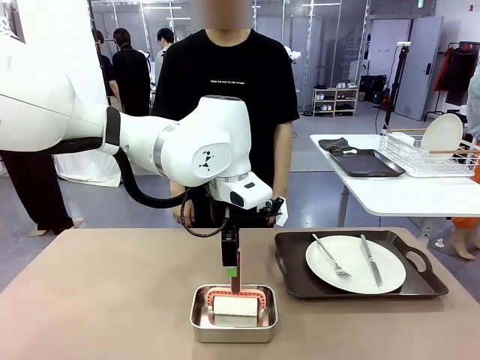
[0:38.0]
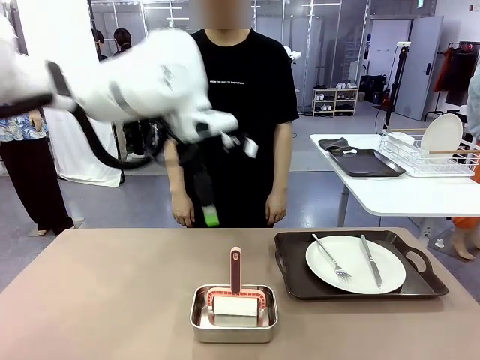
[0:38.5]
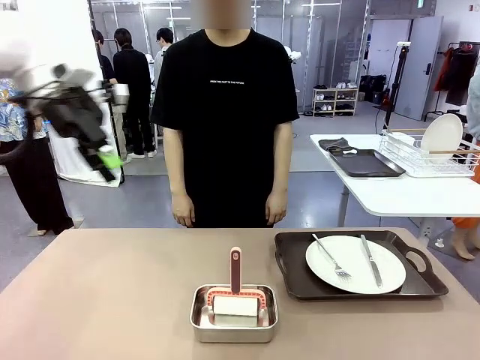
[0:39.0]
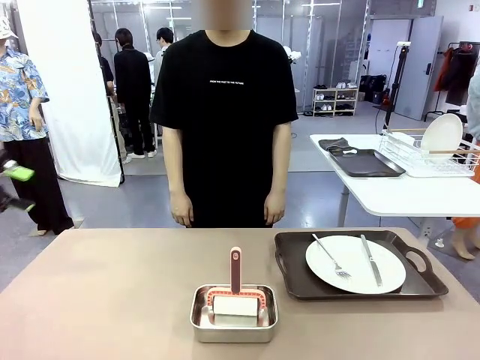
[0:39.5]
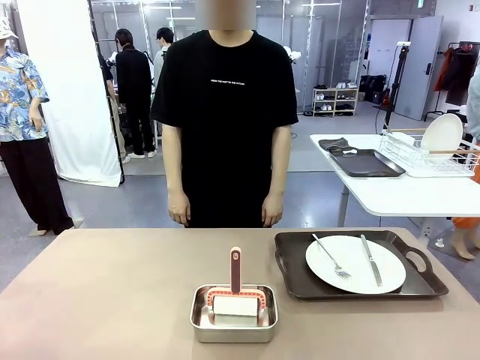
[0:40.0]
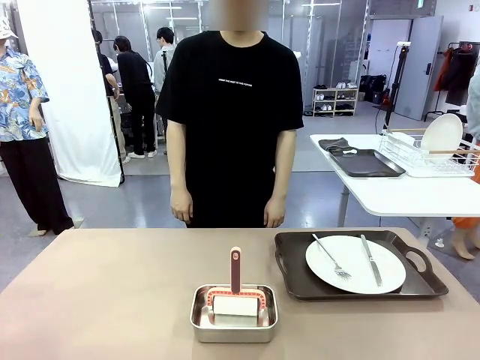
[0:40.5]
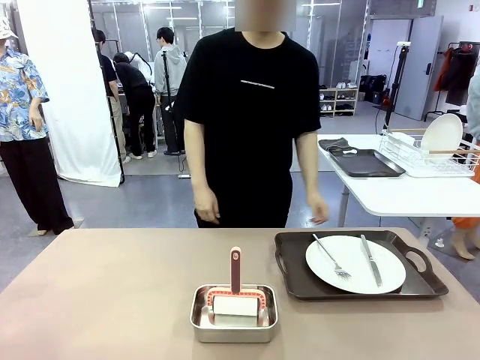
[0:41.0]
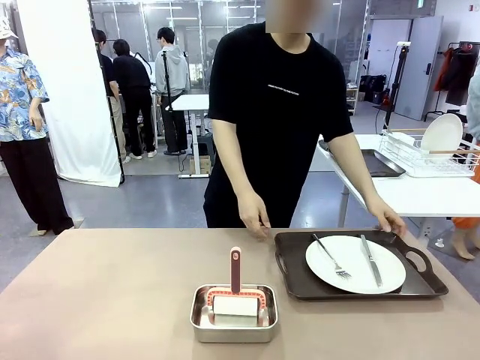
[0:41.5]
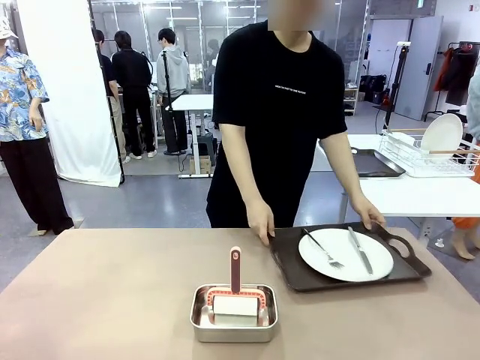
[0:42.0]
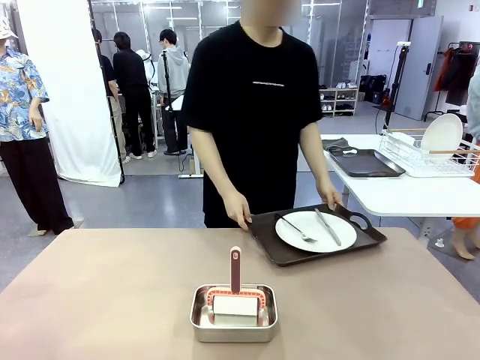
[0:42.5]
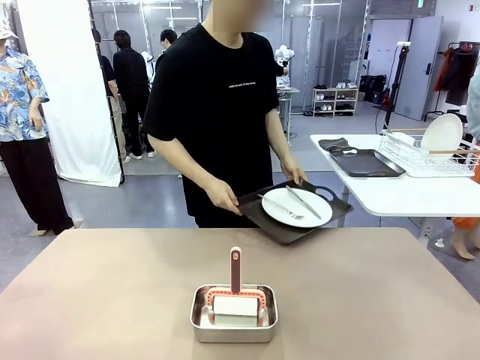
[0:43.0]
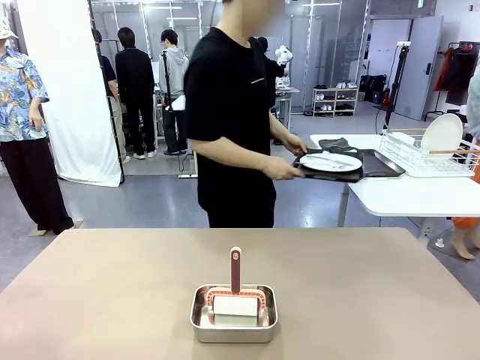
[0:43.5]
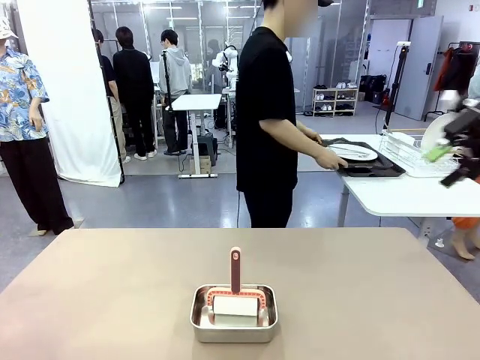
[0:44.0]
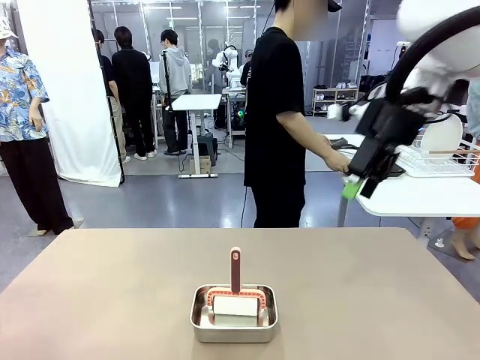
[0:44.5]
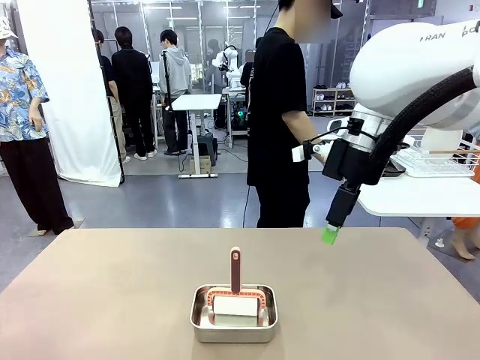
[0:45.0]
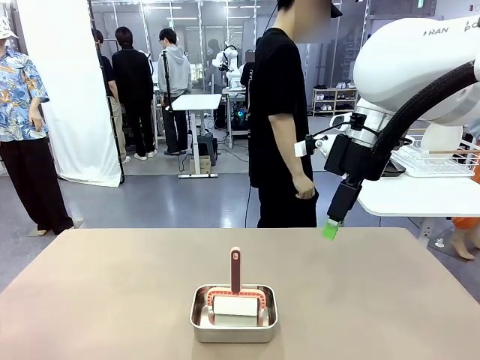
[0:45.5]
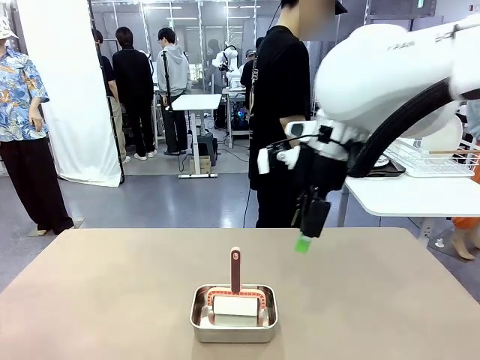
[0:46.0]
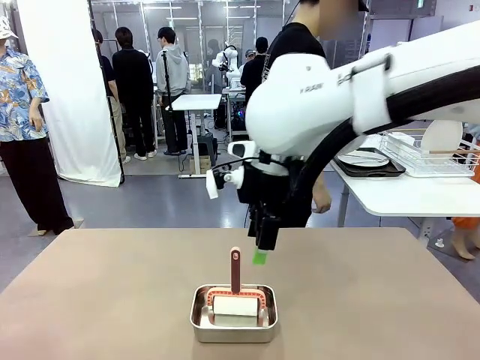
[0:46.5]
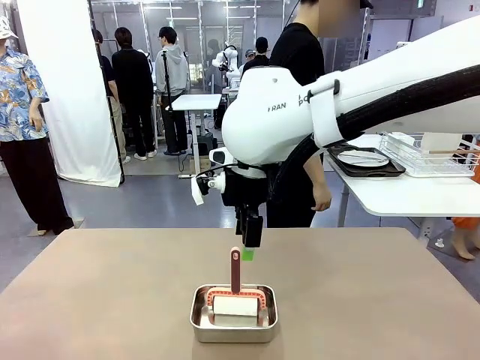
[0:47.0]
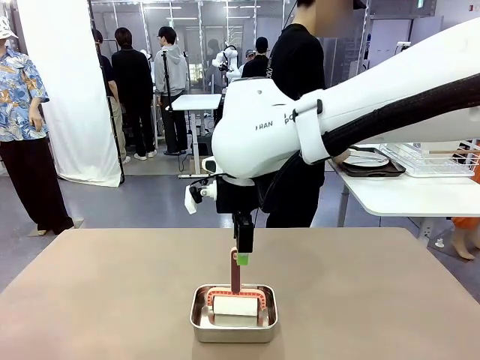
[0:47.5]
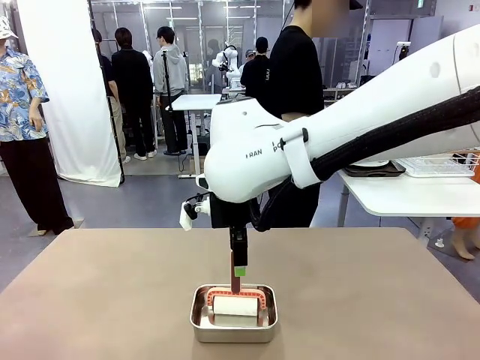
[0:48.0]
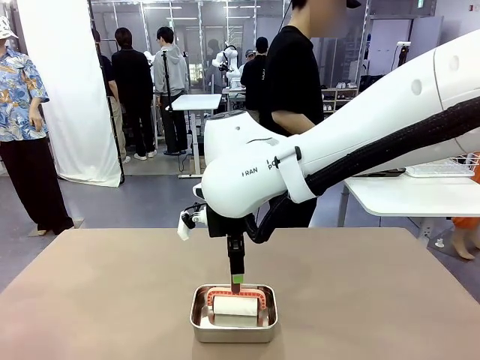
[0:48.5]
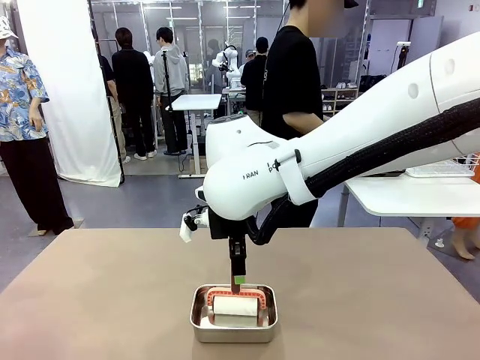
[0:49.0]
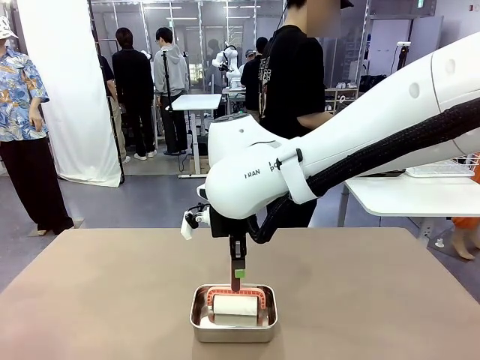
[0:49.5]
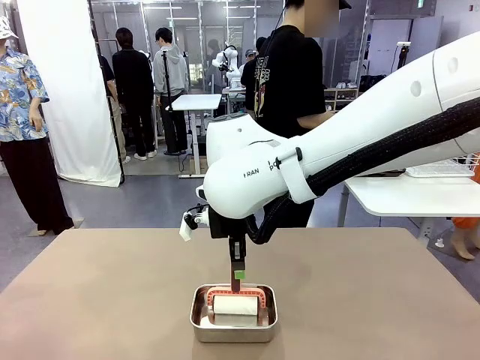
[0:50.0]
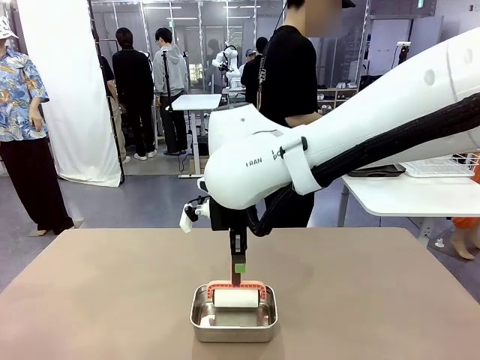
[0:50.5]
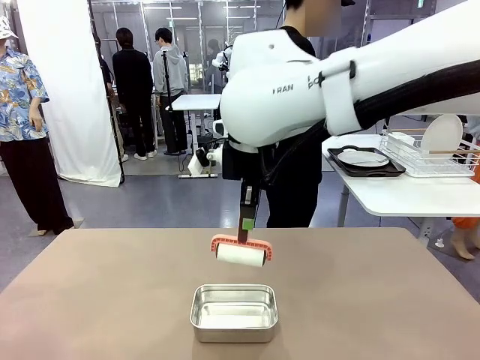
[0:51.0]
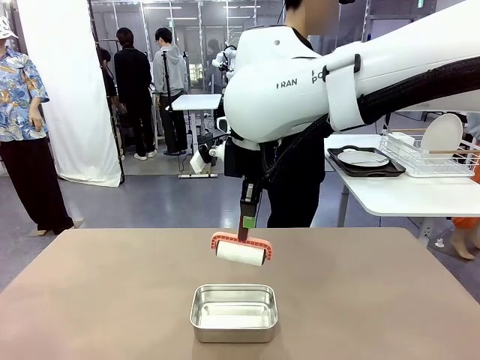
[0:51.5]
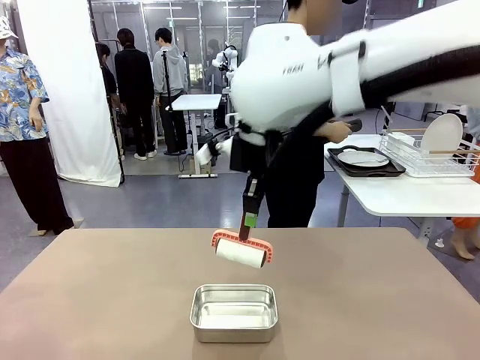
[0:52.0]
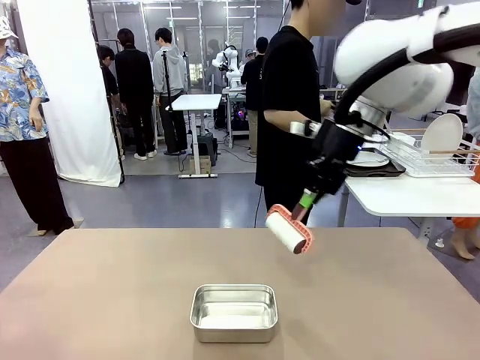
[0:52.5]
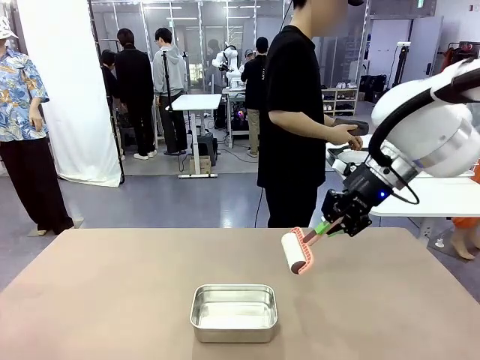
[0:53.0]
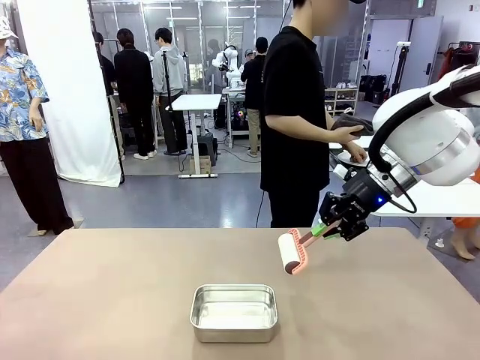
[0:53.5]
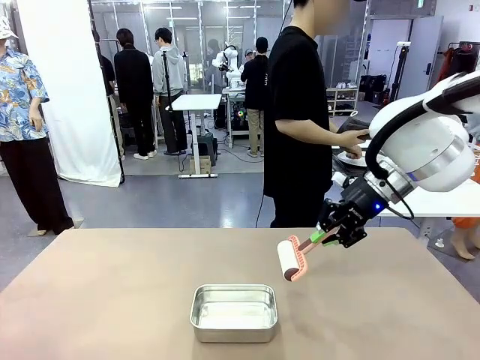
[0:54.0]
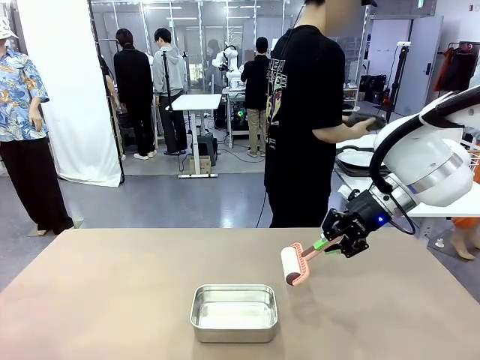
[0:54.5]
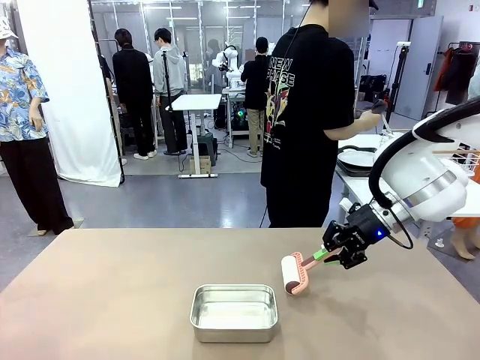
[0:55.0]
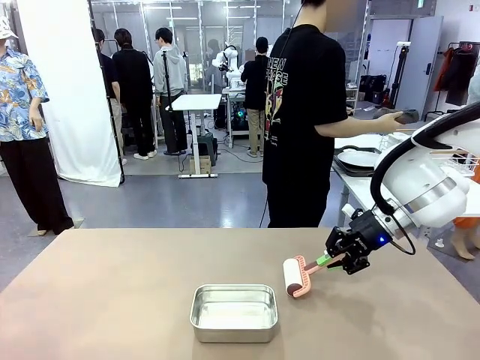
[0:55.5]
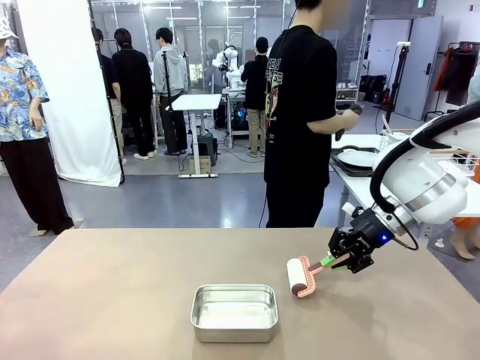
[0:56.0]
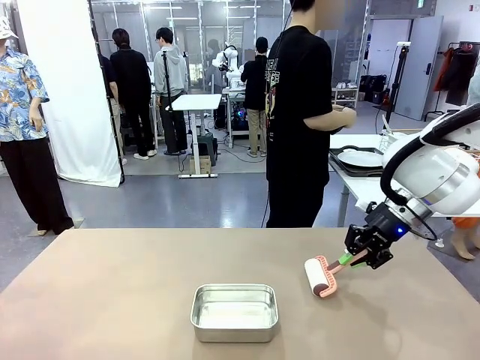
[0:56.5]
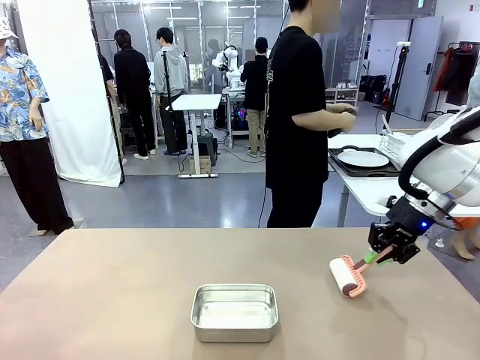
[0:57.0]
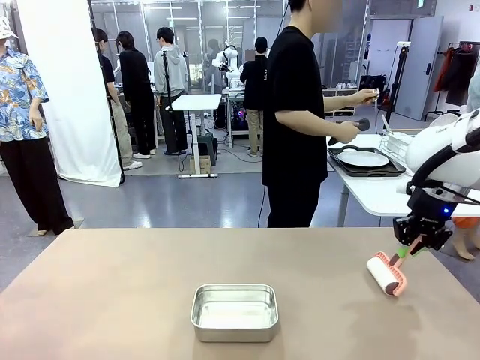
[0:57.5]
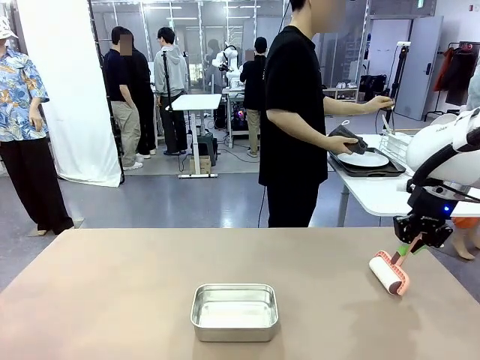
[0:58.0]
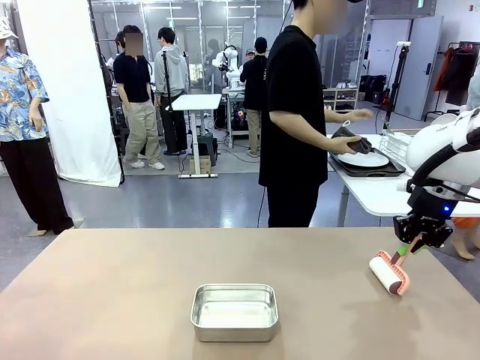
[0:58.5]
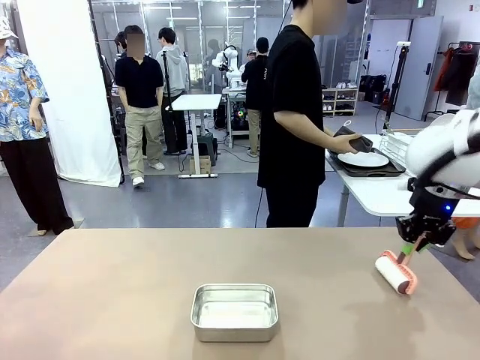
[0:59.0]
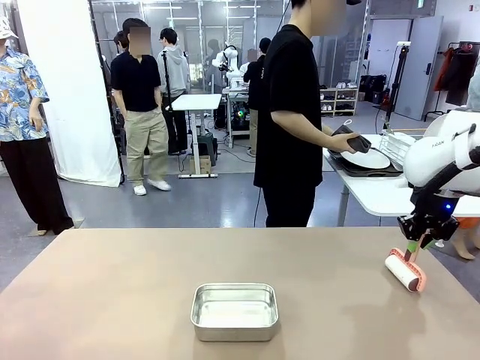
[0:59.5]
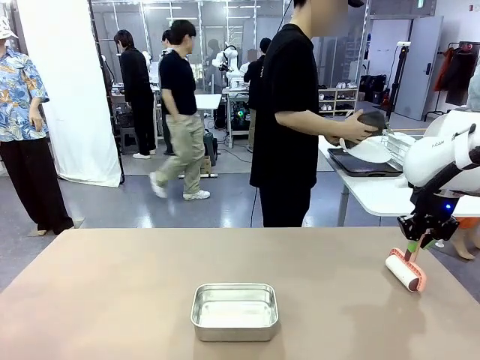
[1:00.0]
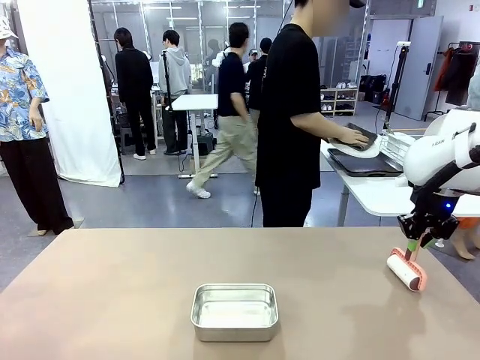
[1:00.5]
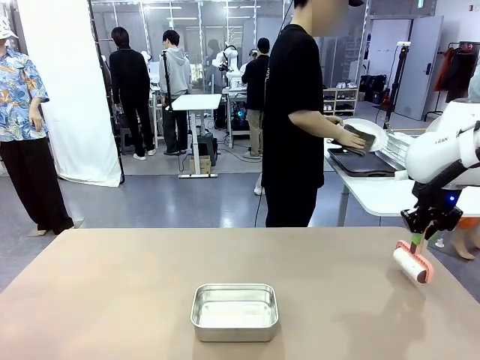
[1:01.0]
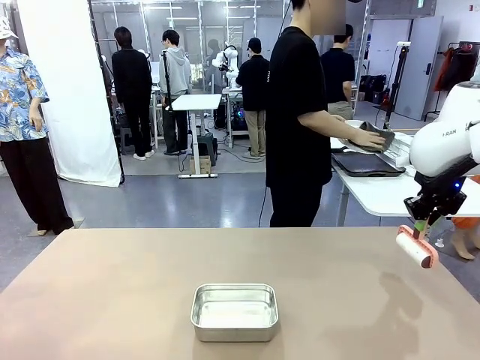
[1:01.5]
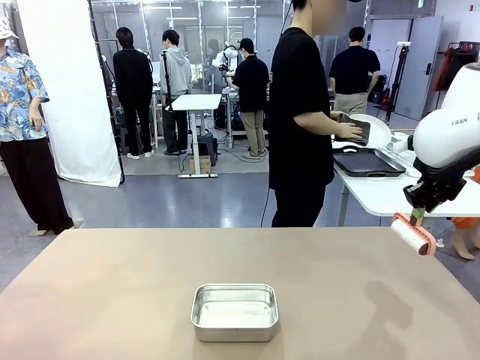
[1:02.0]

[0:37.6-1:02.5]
Robot: When the right (or left) Handle tray is removed, use the right hand (or left hand) to clean the right (or left) side of the table with the Lint Roller.
Person: Use the Towel with hook to wipe the Plastic Matte Plate , Fork , and Knife and place into the Dish drying rack.
